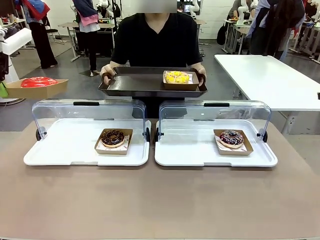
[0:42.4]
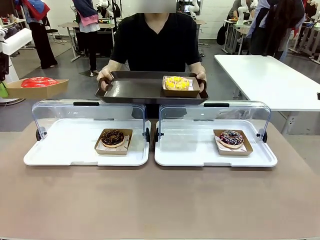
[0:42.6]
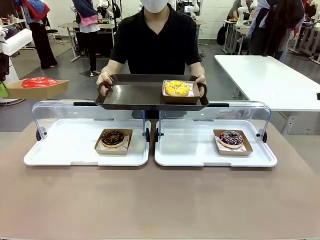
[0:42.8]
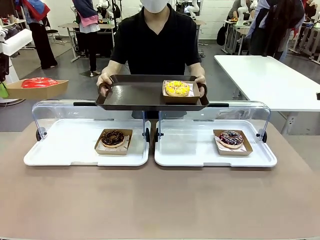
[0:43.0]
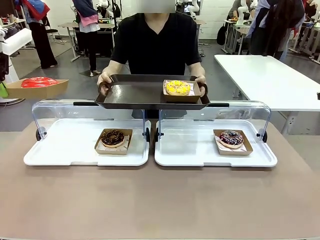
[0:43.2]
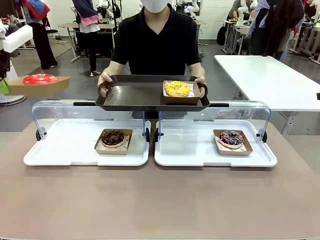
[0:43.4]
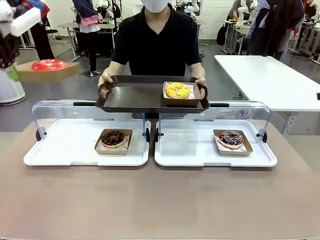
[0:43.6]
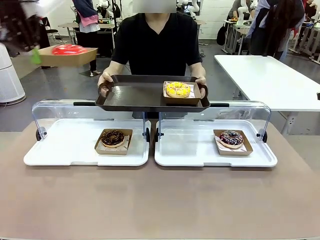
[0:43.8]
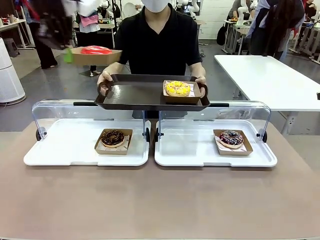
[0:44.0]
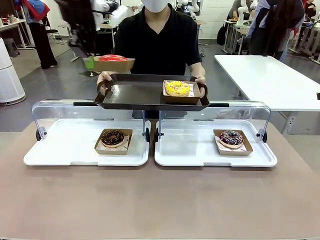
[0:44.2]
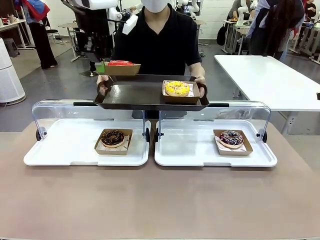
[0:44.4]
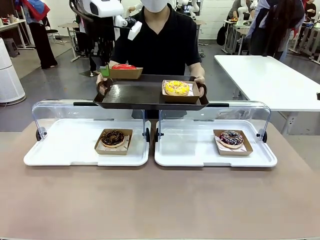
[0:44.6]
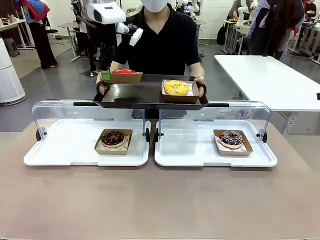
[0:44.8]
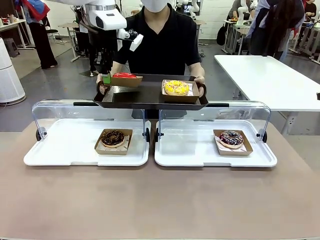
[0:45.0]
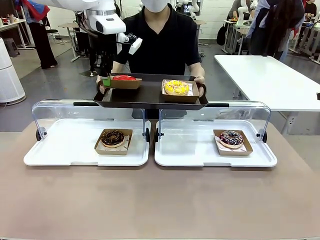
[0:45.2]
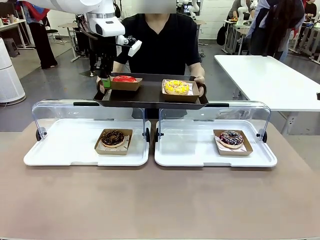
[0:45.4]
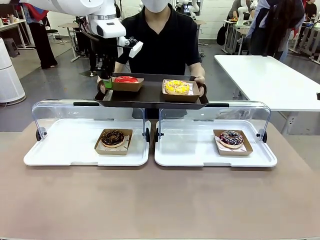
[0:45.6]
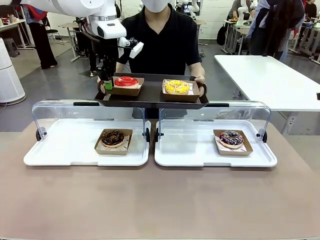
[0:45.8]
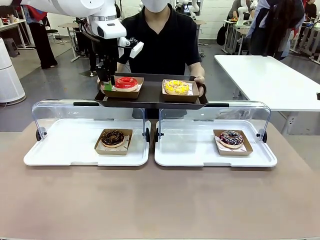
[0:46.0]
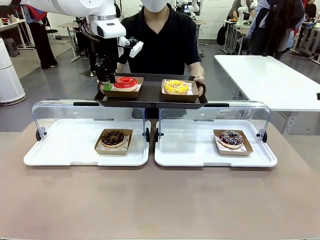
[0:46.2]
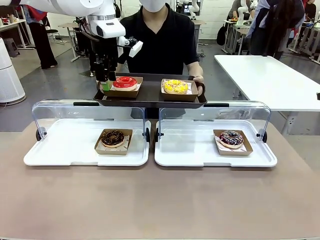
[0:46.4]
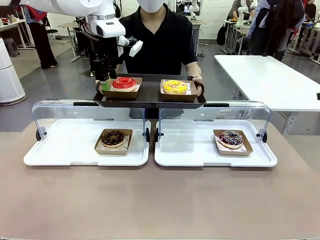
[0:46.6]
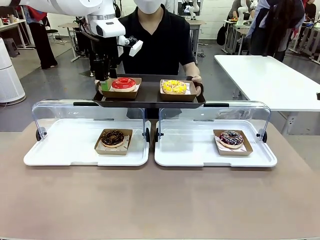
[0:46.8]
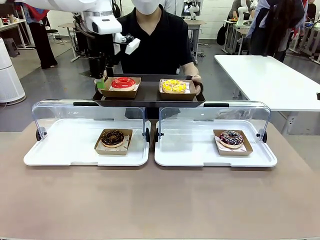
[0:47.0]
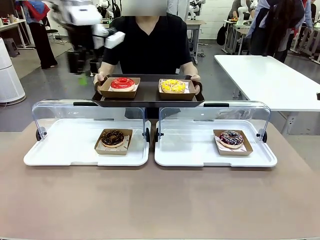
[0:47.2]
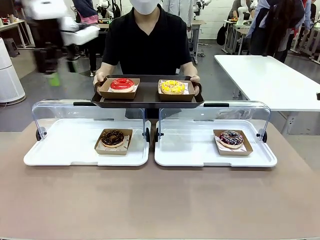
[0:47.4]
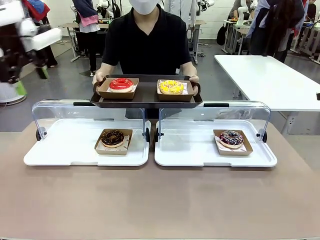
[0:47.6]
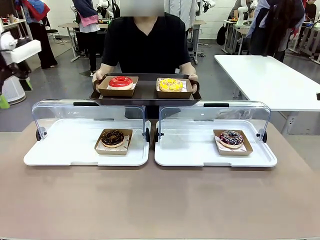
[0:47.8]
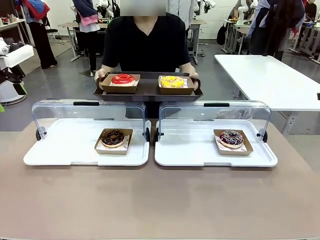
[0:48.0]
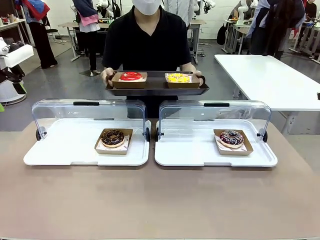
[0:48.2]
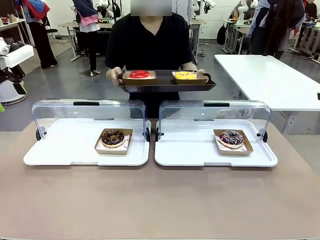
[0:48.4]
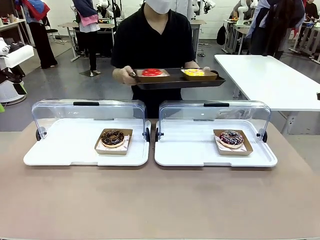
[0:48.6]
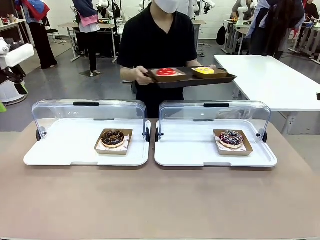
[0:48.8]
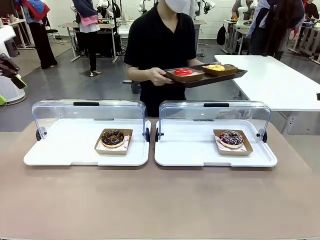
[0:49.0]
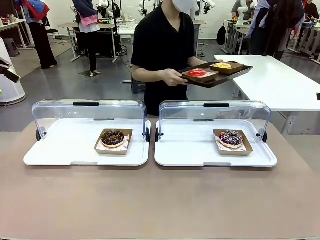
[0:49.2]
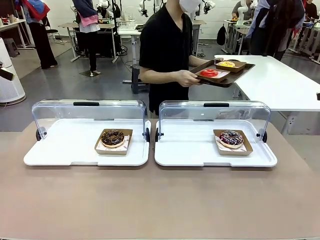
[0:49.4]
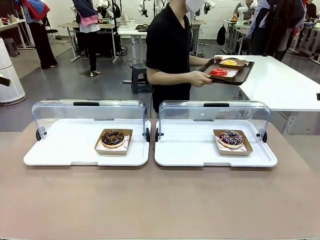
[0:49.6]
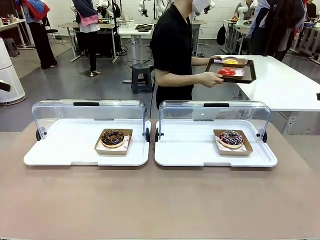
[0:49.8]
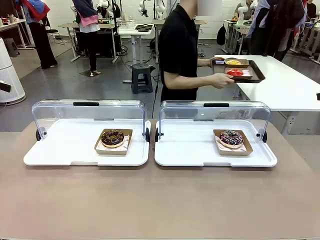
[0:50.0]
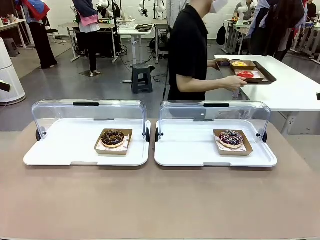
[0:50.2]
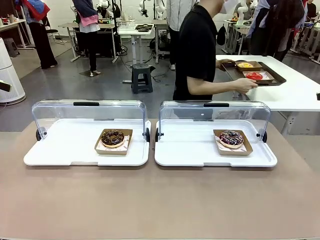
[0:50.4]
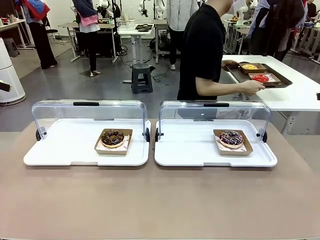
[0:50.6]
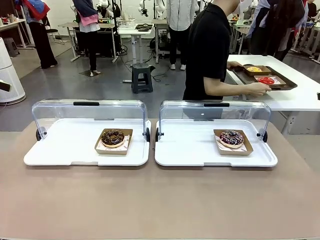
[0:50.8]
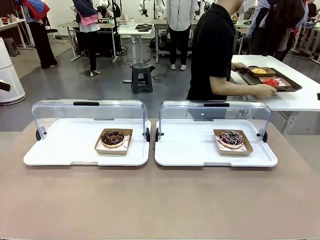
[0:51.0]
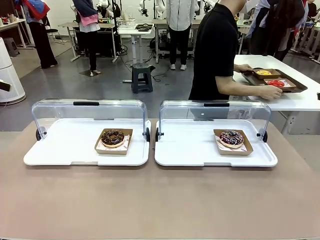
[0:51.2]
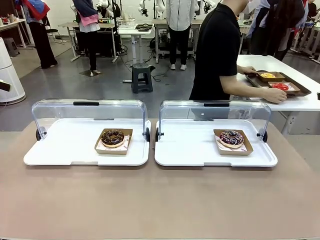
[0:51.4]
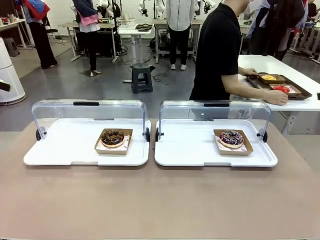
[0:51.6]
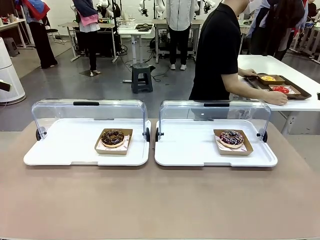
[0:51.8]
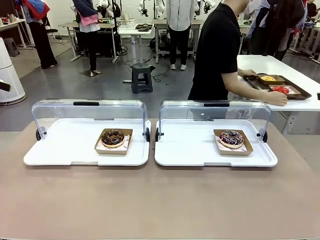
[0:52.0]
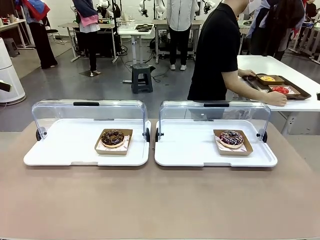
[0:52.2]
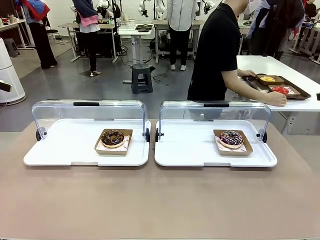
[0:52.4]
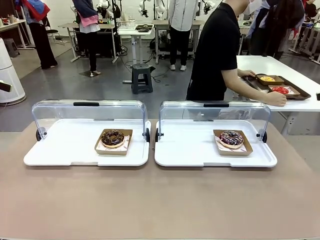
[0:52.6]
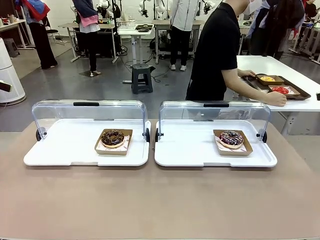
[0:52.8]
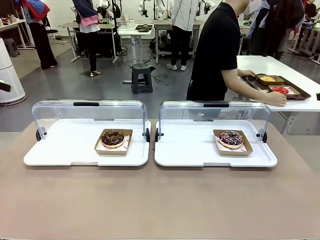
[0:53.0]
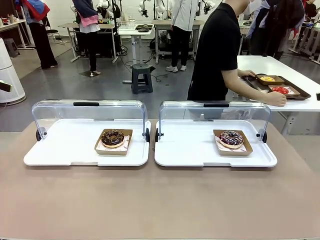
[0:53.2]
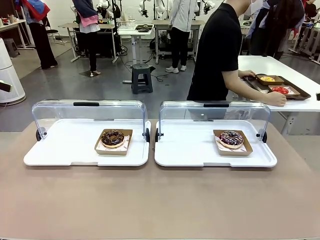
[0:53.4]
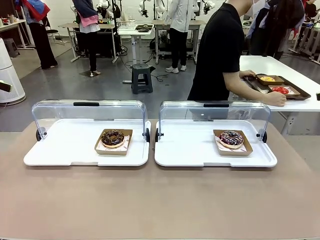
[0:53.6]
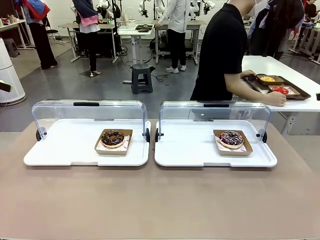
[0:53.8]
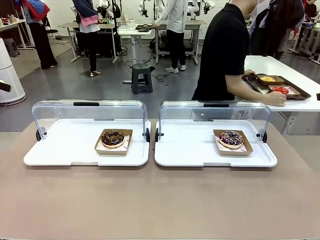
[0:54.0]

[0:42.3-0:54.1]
Task: Provide the desired donut to the person.
Robot: Place the picked Paper togo box onto the Handle tray extended by the person.
Person: Place the tray in the middle of the human table.

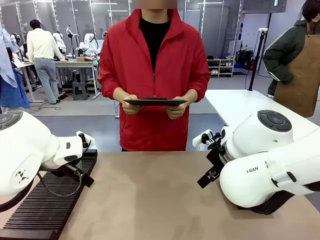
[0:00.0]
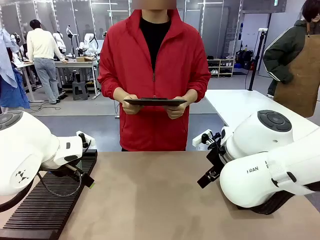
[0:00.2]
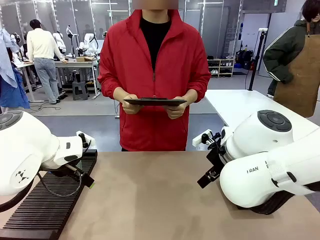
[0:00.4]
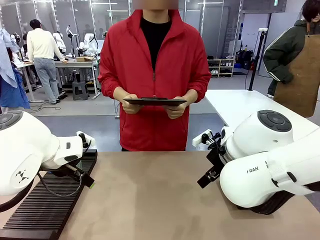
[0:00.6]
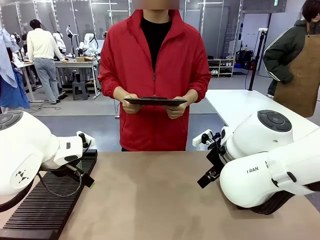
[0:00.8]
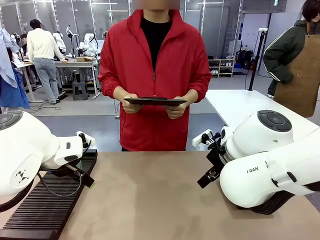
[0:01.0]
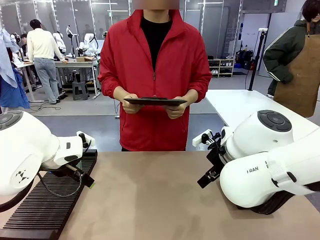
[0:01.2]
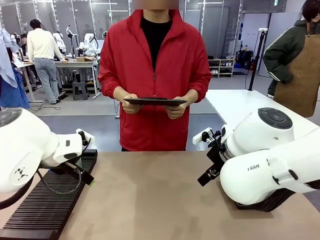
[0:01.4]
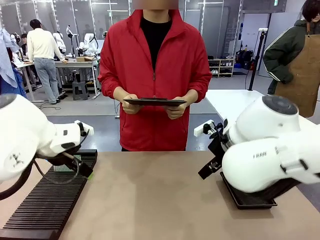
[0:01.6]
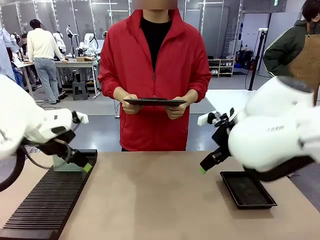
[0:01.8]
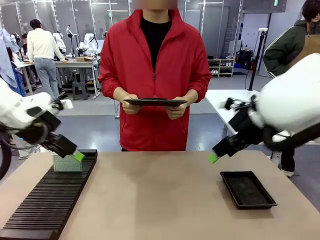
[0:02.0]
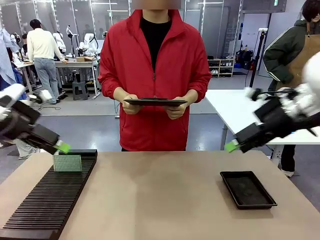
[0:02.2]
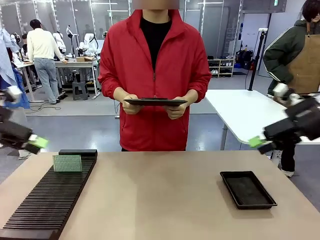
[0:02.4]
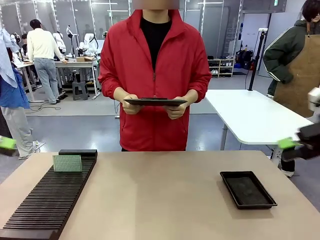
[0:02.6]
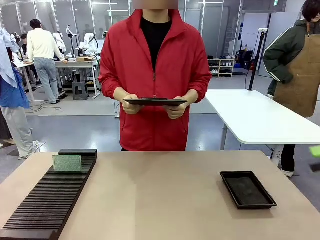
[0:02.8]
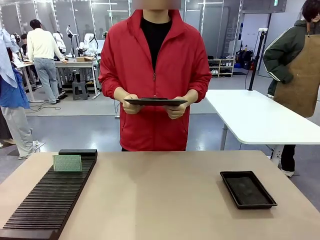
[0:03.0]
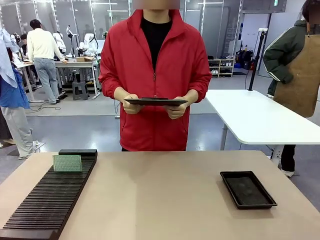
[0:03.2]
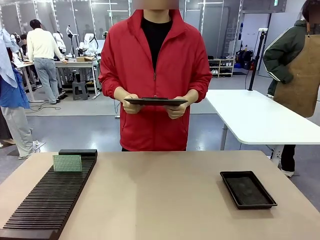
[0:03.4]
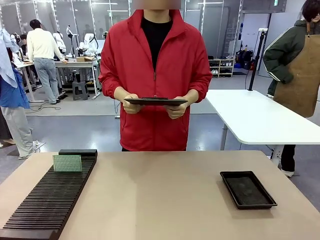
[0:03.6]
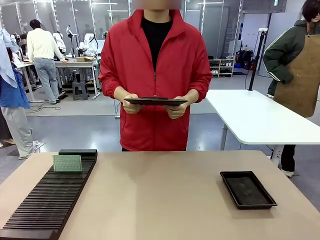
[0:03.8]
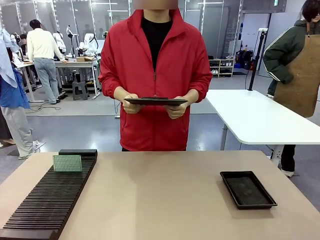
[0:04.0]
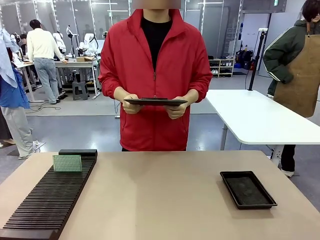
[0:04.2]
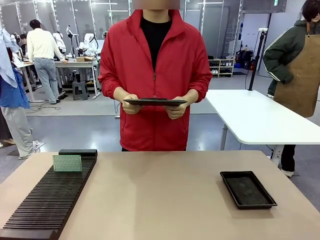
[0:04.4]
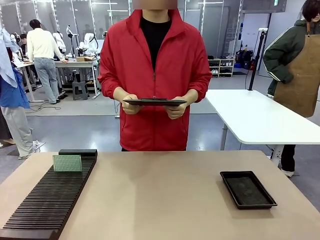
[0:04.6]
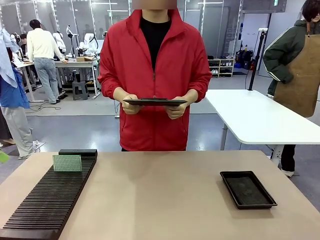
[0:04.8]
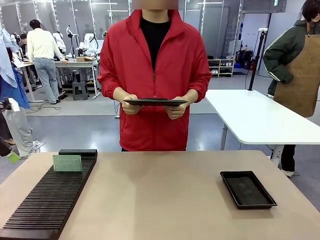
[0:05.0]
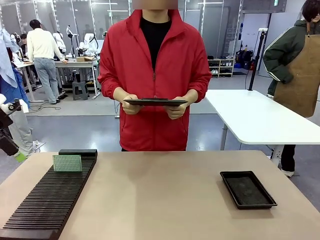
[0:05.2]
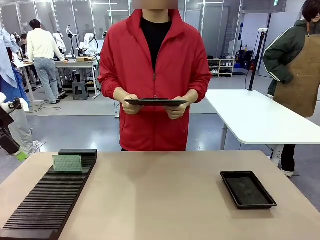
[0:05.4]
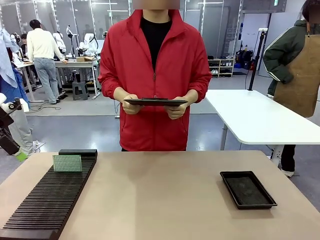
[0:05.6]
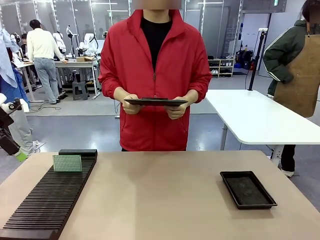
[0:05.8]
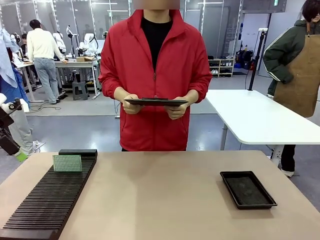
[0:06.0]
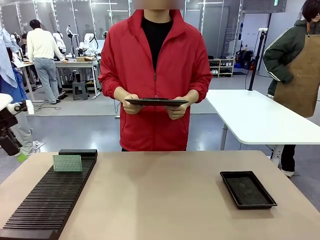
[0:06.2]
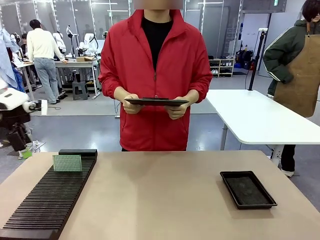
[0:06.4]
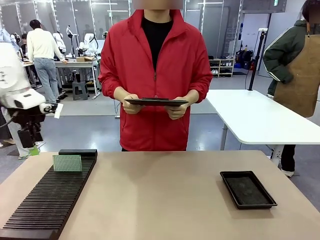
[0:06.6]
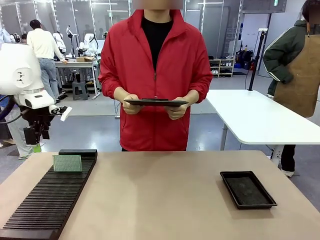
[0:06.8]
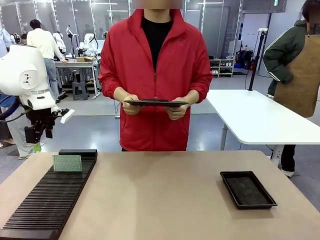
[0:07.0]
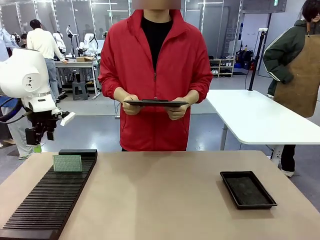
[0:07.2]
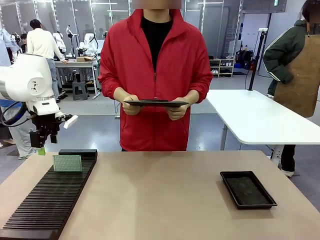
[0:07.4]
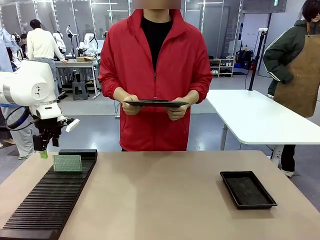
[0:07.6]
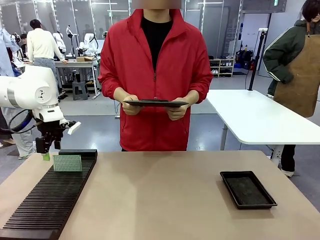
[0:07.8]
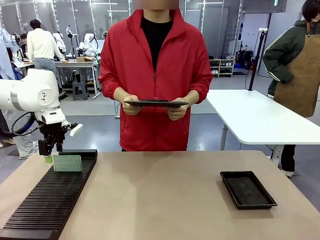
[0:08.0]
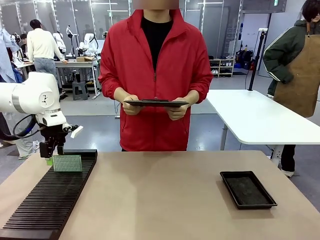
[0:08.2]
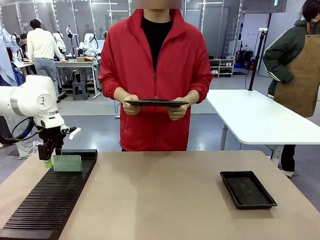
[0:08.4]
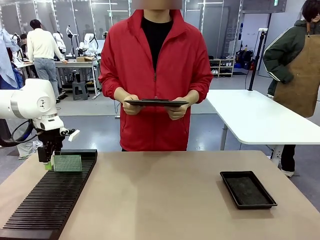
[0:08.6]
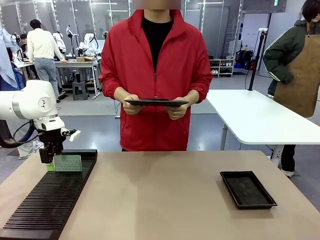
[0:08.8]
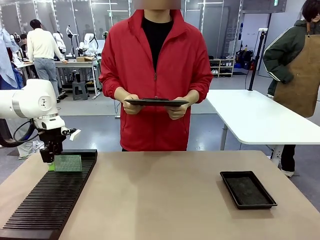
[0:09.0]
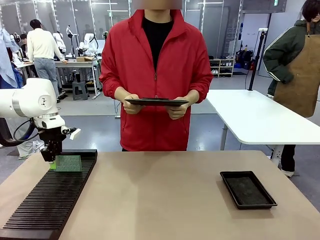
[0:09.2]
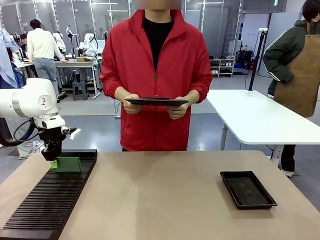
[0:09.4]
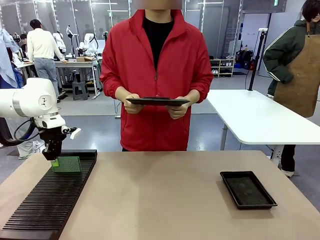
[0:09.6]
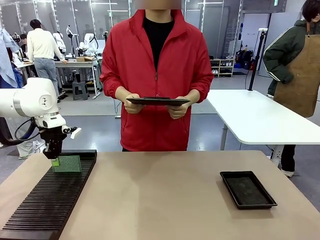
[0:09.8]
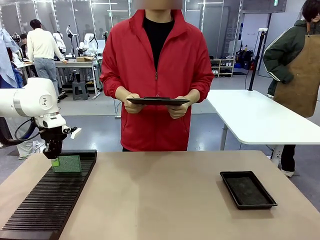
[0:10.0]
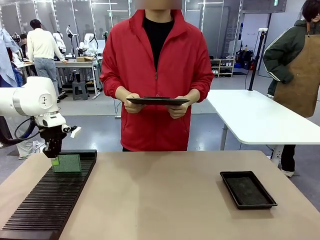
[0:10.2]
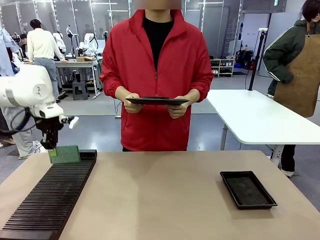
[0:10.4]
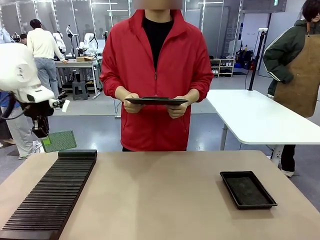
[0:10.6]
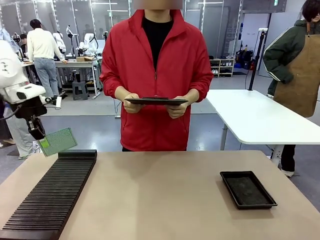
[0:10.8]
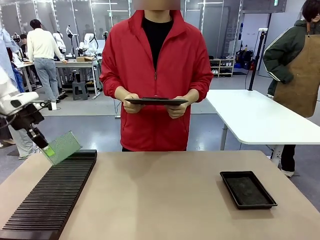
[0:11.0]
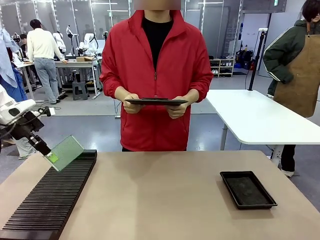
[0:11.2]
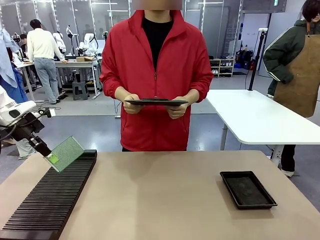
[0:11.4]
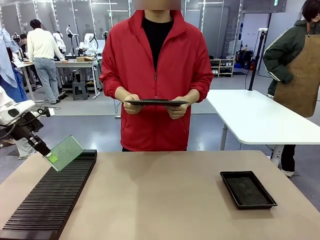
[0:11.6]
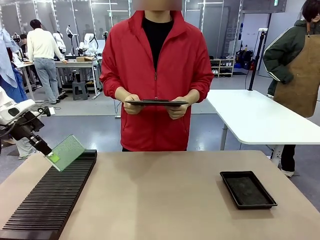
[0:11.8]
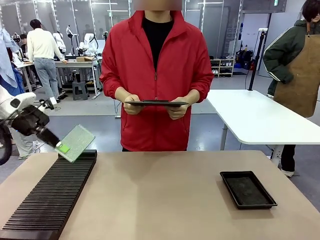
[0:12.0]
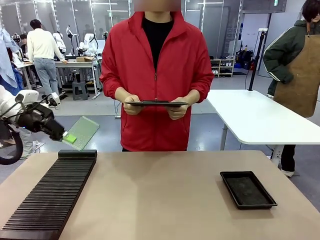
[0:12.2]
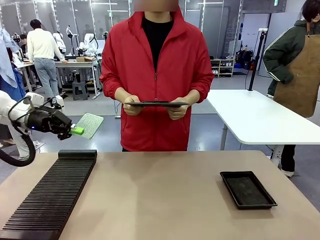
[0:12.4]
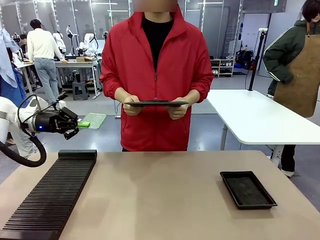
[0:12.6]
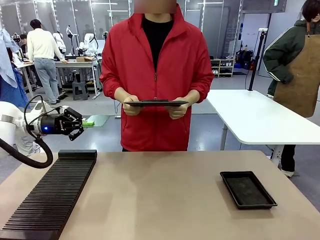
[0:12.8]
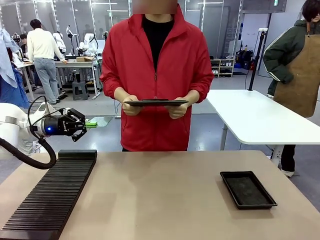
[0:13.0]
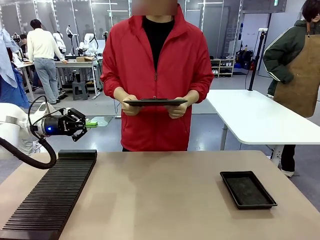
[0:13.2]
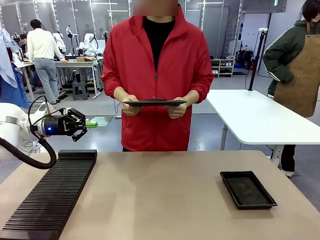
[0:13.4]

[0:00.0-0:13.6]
Task: Inspect the PCB.
Robot: Pick up the Blank PCB and present it to the human.
Person: Pick up the PCB presented by the robot.
